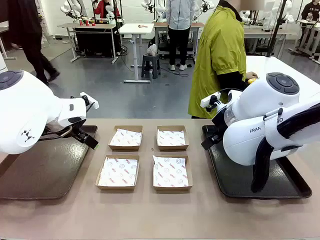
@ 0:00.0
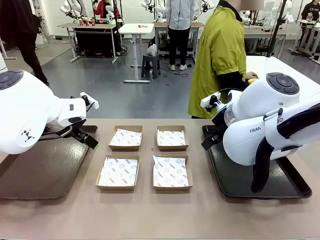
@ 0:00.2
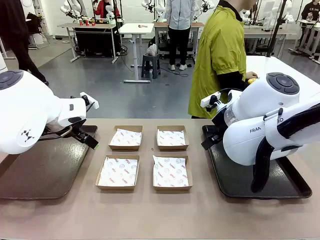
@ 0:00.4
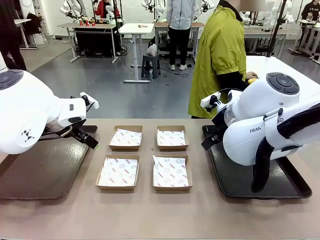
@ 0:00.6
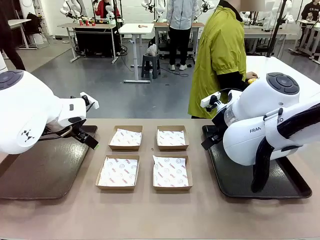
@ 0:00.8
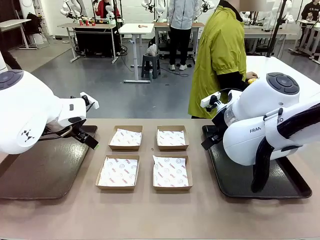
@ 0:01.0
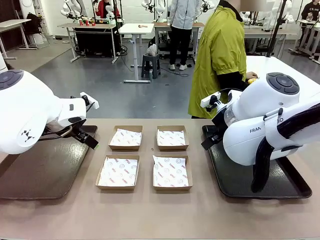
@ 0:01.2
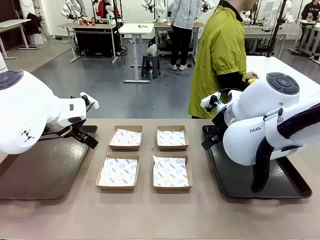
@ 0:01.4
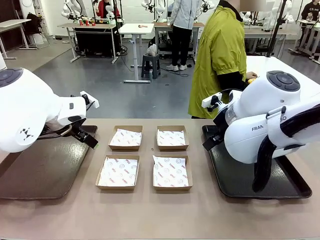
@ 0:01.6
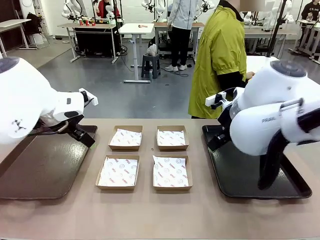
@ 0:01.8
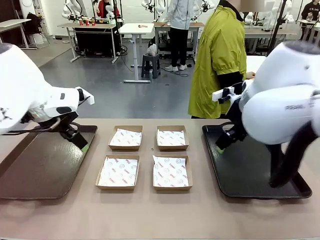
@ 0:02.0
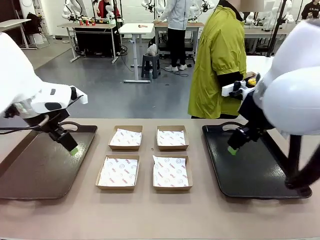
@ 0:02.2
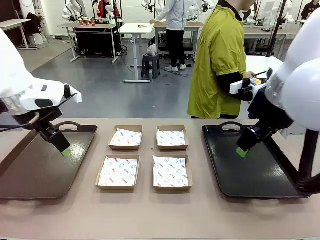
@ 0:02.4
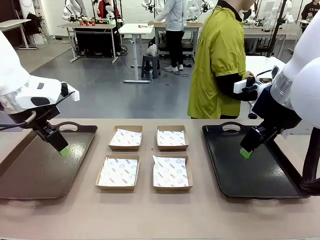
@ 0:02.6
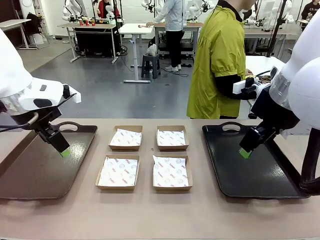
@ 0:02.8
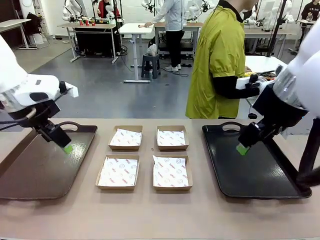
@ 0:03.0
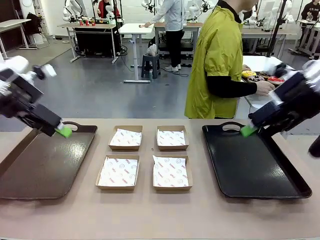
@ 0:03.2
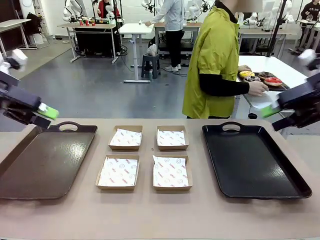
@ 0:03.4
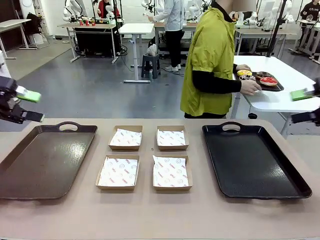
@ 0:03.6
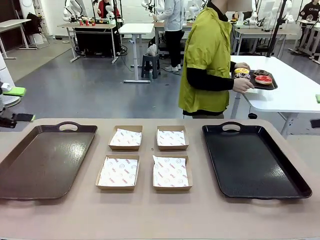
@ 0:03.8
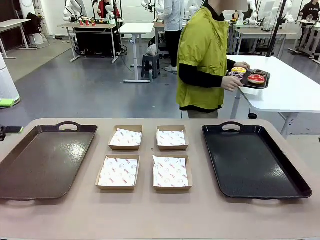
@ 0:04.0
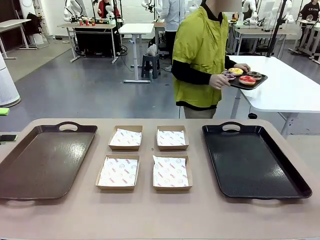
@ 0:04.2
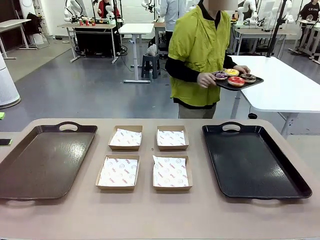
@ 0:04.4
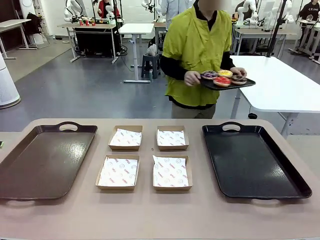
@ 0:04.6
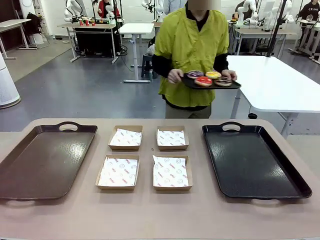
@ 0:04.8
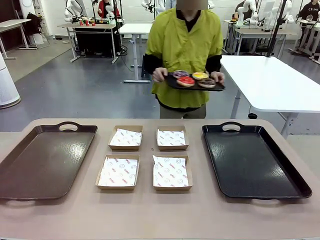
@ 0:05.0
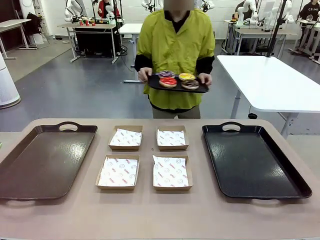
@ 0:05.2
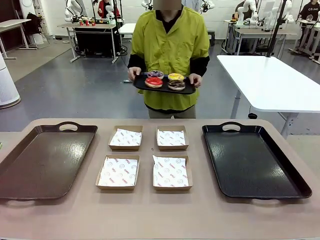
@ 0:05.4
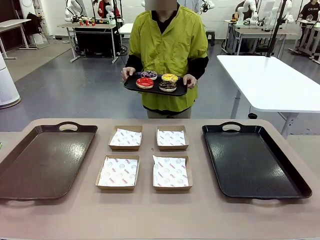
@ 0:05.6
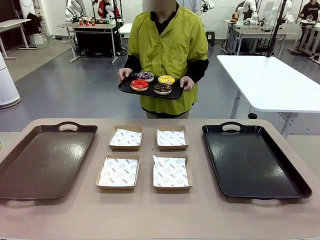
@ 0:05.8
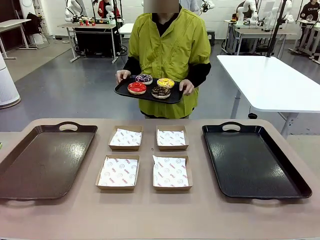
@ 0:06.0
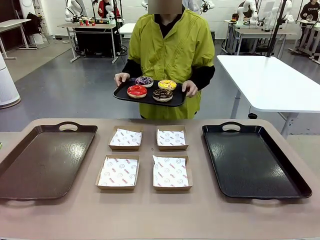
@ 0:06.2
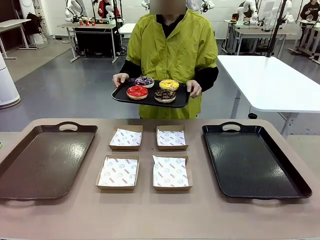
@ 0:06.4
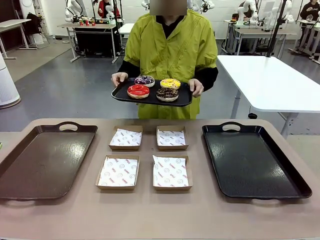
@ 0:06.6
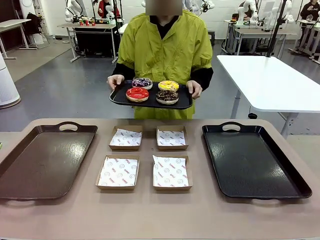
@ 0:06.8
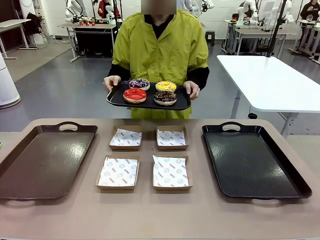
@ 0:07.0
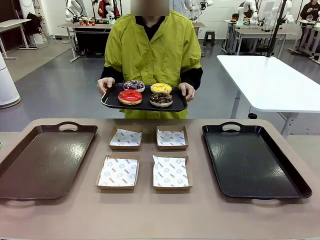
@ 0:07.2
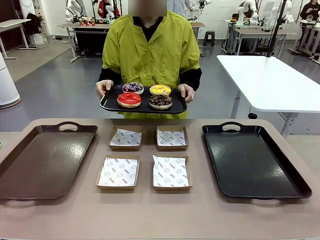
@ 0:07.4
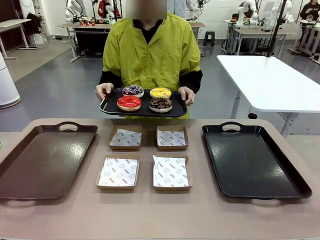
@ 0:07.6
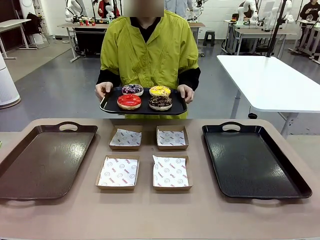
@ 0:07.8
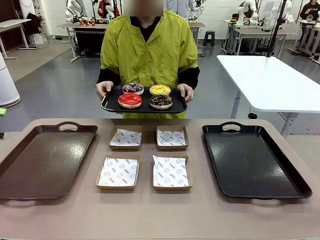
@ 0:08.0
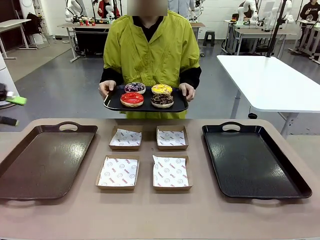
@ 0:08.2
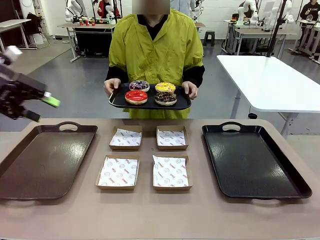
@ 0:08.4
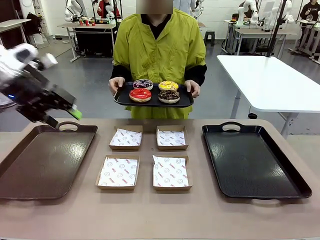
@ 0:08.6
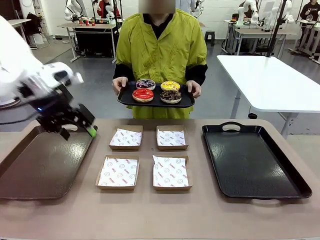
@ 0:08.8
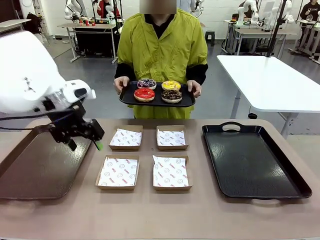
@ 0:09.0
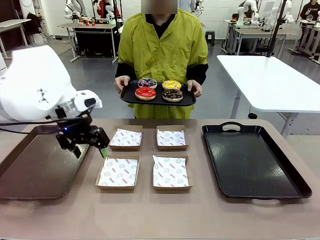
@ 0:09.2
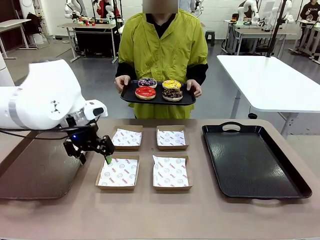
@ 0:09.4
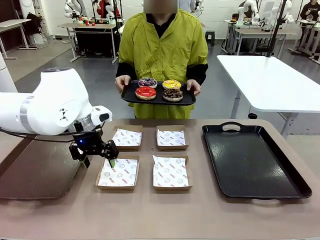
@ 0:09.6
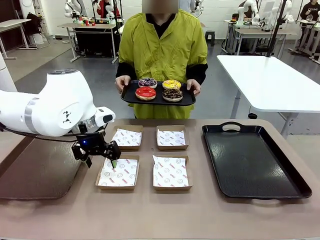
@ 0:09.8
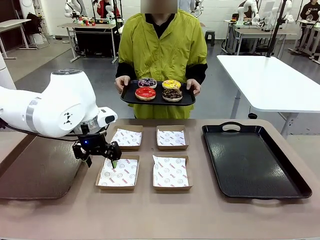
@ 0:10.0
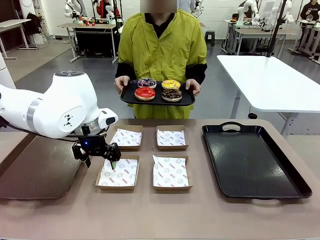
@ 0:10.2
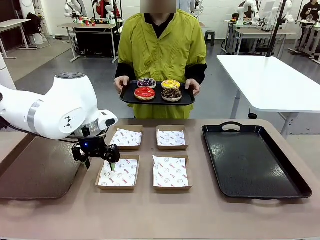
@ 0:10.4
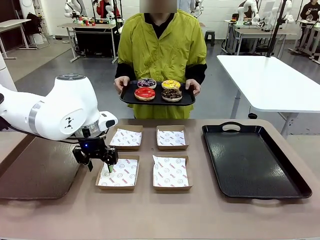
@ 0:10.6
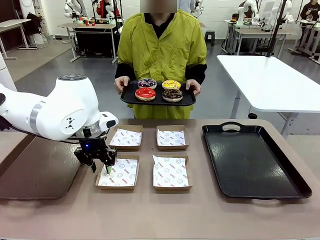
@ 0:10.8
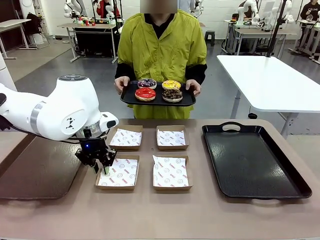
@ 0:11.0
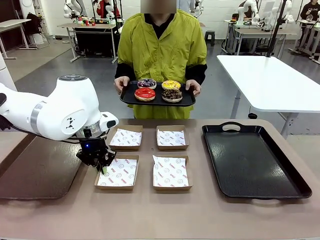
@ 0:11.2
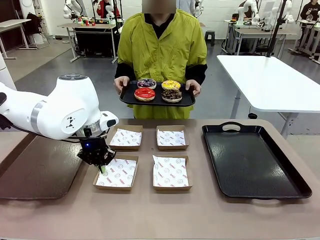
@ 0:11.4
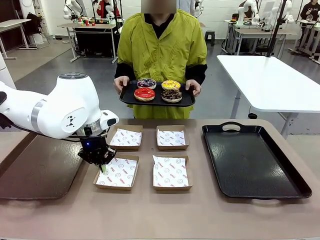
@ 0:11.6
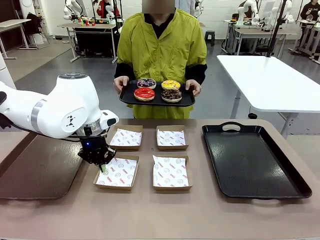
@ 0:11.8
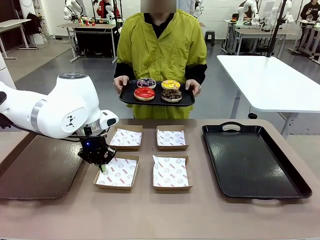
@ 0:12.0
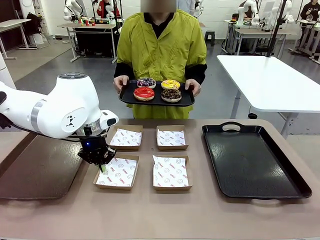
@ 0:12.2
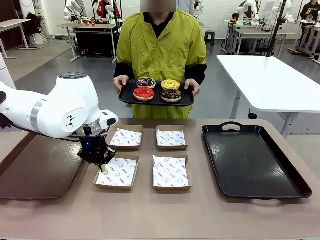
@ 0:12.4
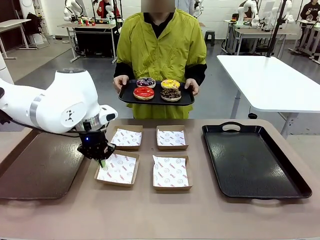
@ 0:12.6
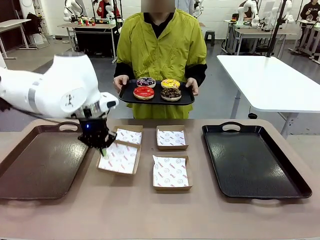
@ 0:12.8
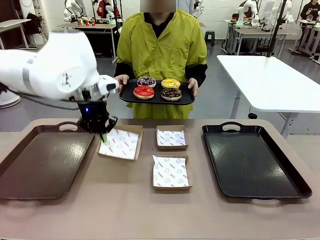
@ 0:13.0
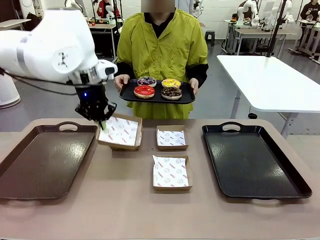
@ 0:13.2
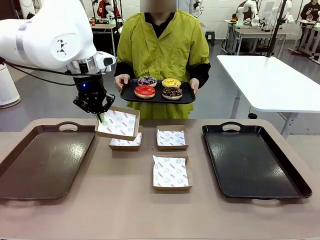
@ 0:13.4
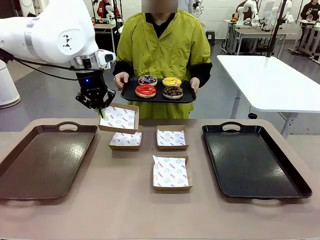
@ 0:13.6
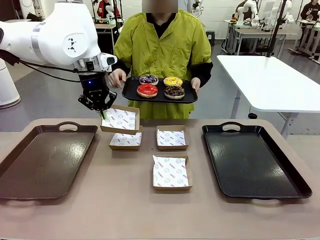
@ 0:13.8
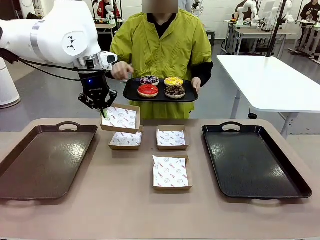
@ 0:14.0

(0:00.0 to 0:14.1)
Task: Individually package the donuts and arrange them on the tray.
Robot: Pick up one Paper togo box.
Person: Stand in front of the robot table holding the tray containing the donuts.
